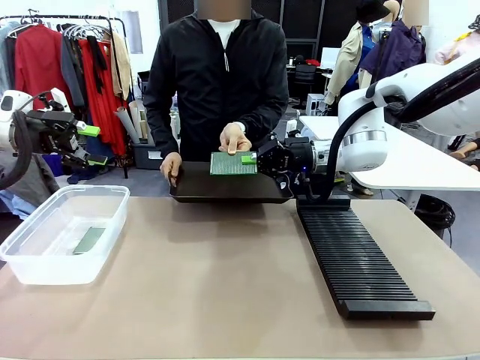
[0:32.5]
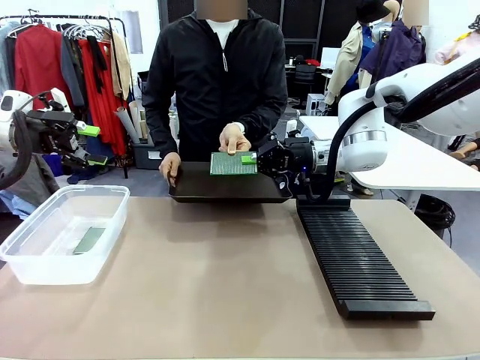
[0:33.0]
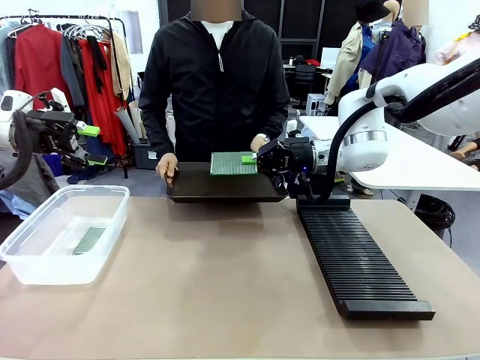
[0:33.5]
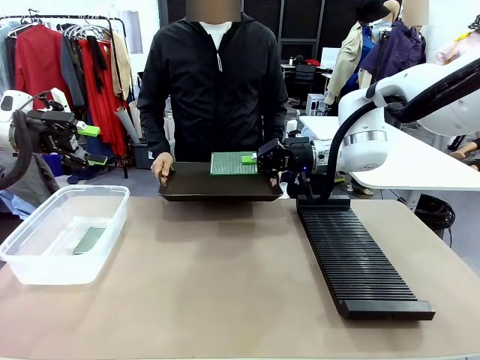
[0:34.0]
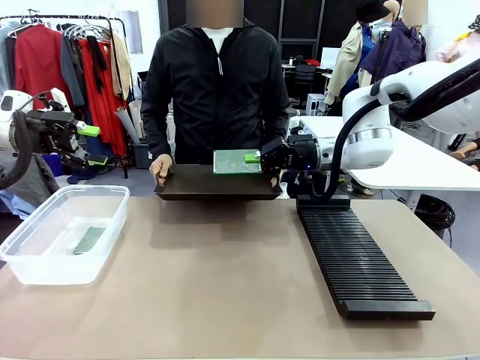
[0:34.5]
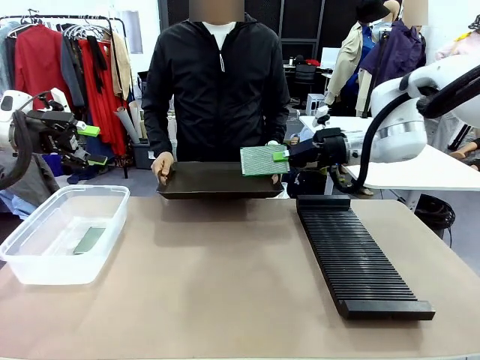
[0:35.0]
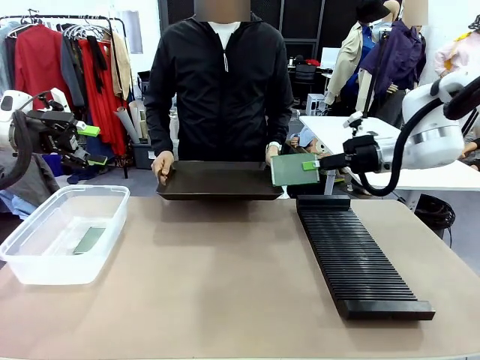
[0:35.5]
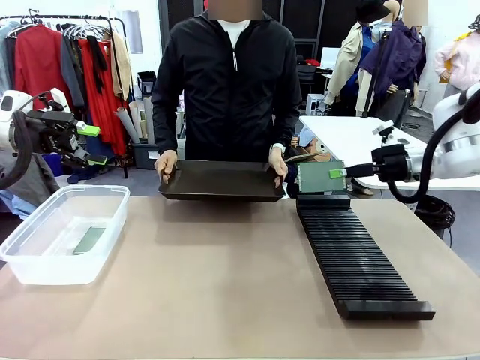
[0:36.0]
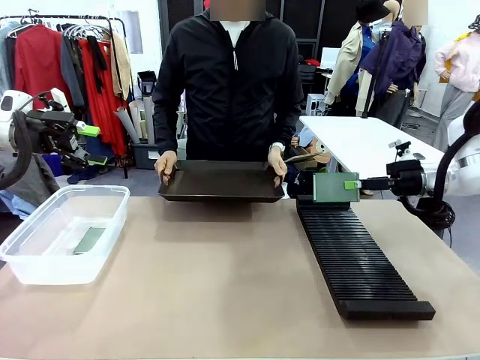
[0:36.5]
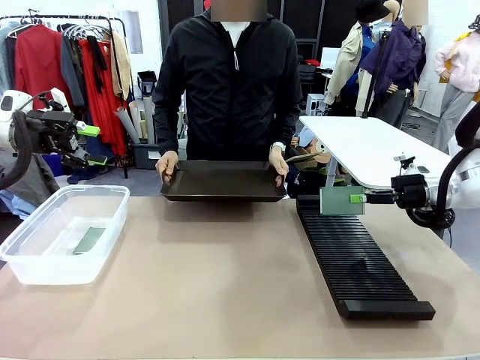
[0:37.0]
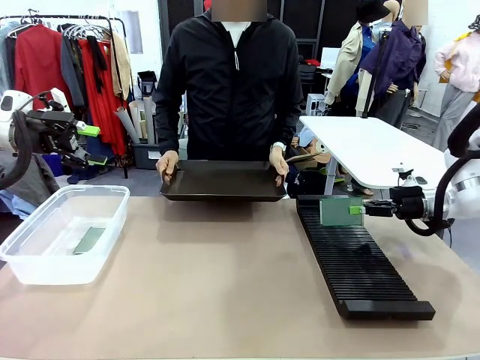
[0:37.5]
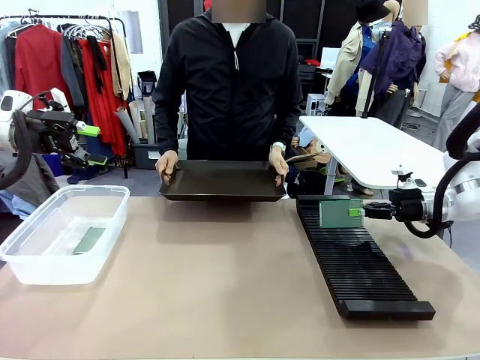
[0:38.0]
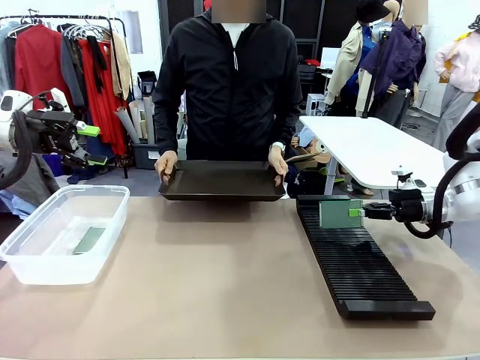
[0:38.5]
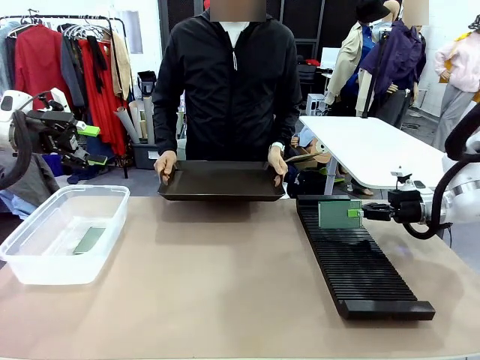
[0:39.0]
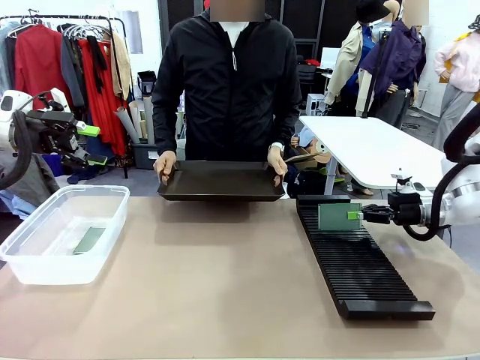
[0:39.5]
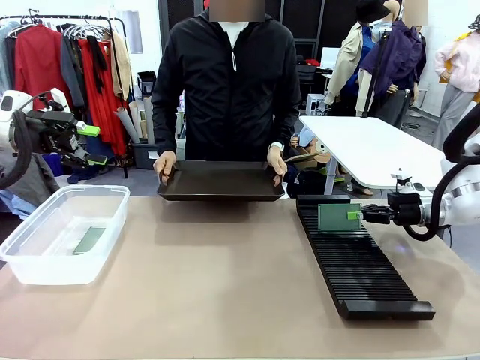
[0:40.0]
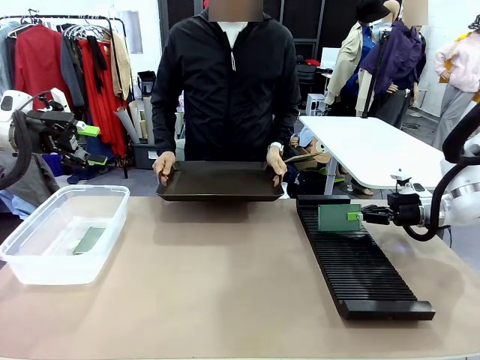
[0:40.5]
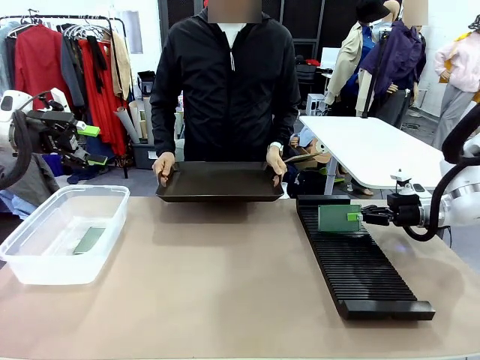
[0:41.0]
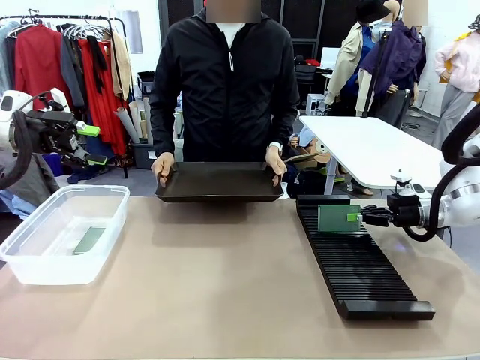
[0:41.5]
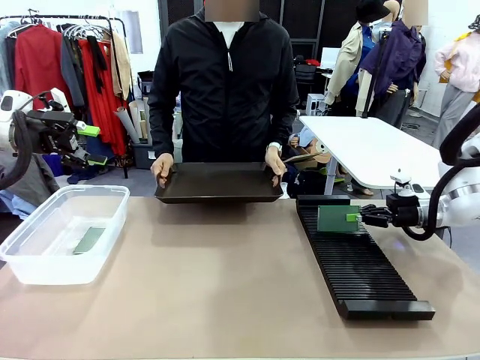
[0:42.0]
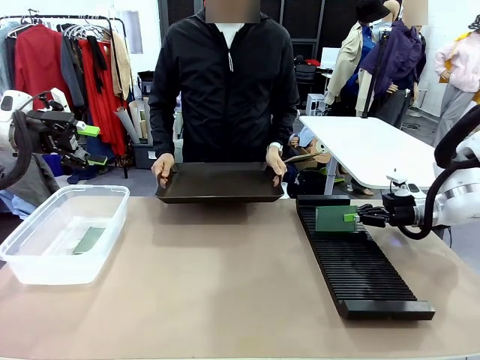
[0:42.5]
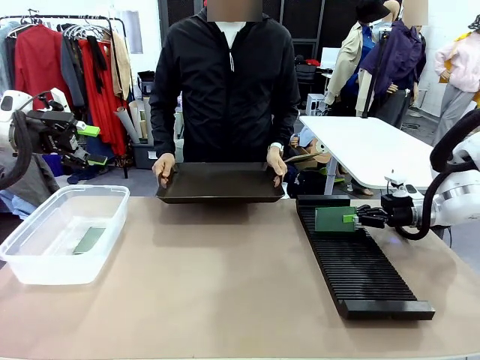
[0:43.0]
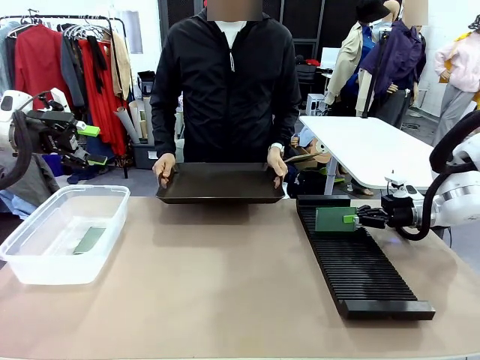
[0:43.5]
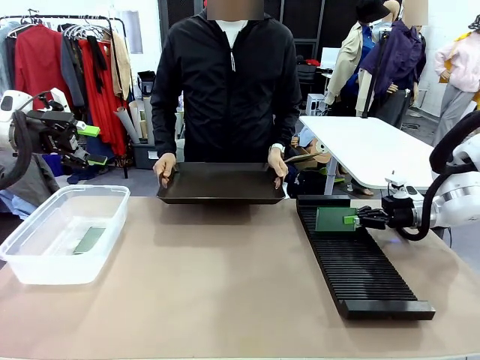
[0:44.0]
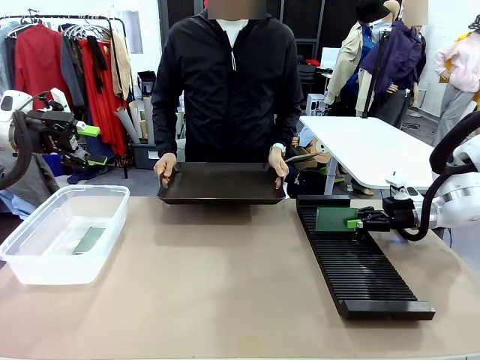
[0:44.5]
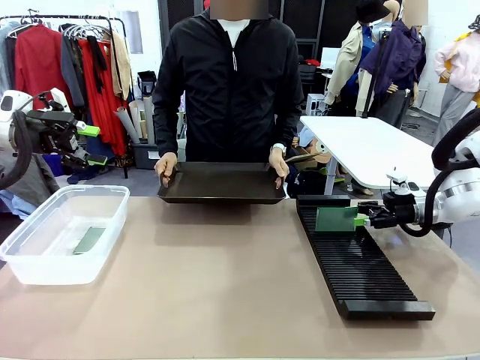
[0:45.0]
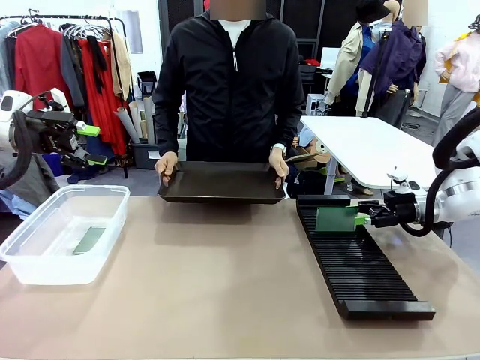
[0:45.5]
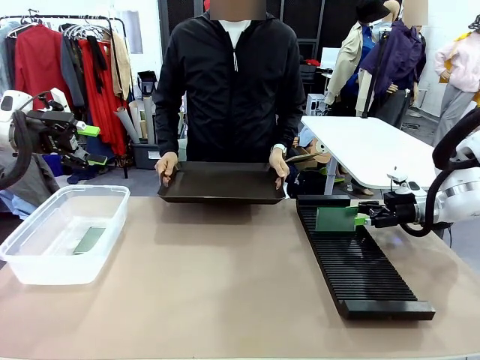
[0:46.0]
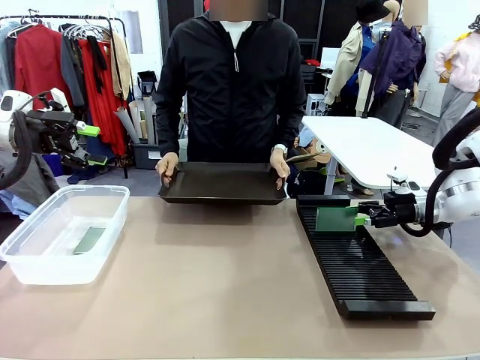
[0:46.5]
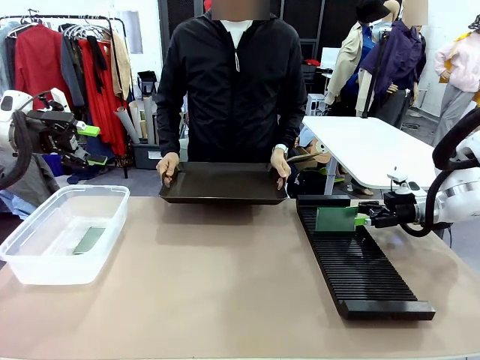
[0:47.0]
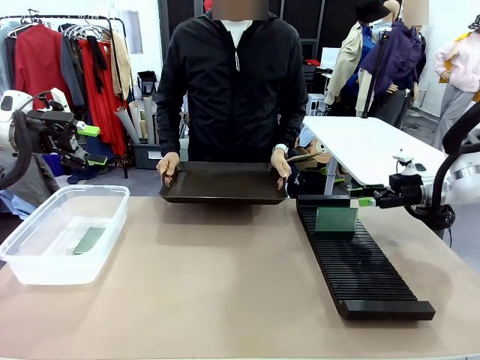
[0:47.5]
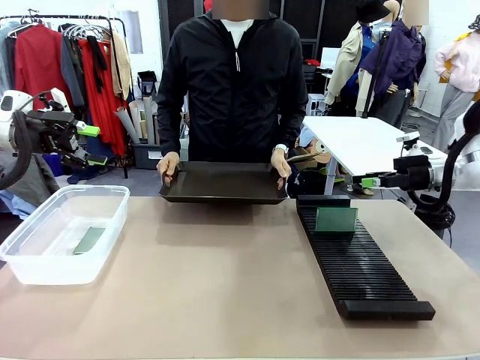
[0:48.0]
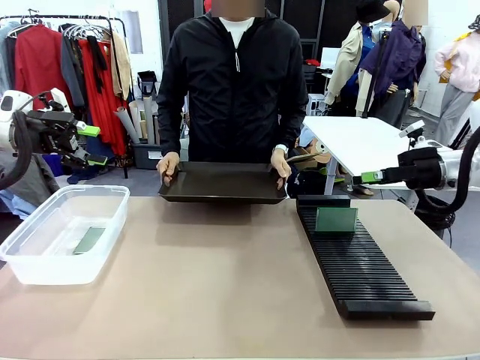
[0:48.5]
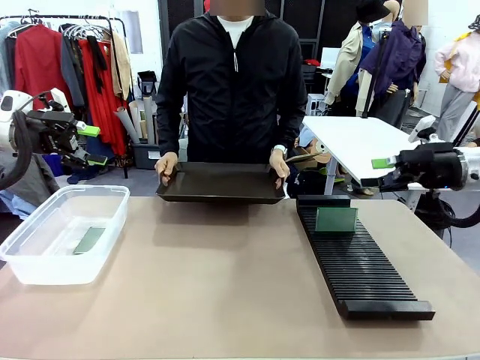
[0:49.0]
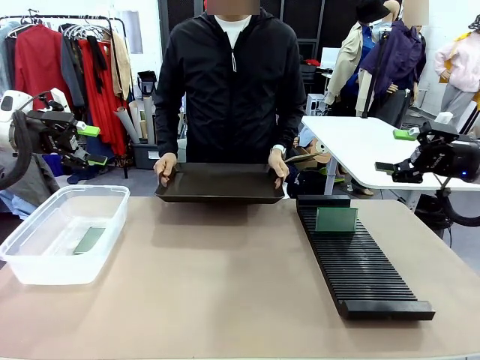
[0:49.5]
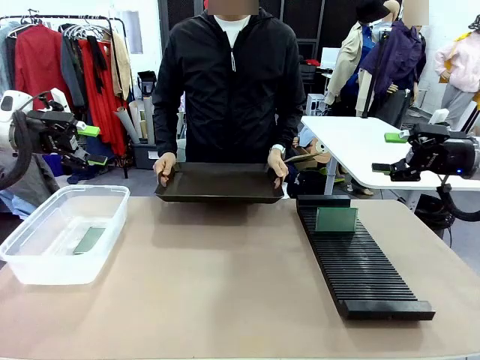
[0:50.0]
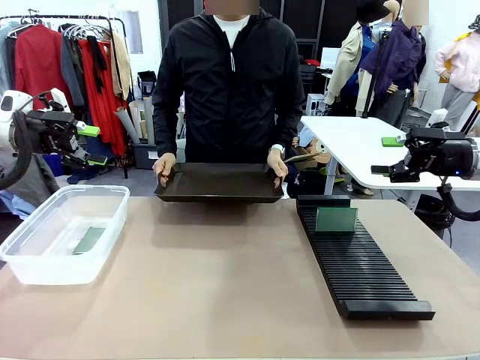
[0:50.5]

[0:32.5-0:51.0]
Task: Sort PCBs into racks and boxes based on the side picked up.
Robot: If the short side of the Blank PCB is picked up, insert it into the PCB Rack ; if the long side is picked up, place it in the Organizing box.
Person: Release the PCB being held.

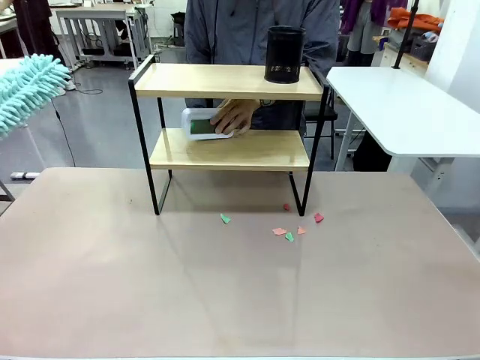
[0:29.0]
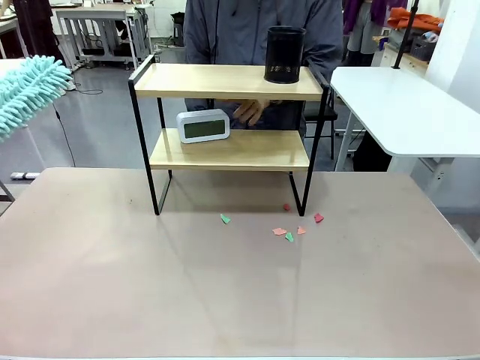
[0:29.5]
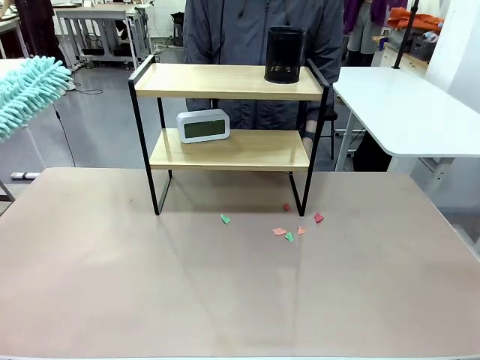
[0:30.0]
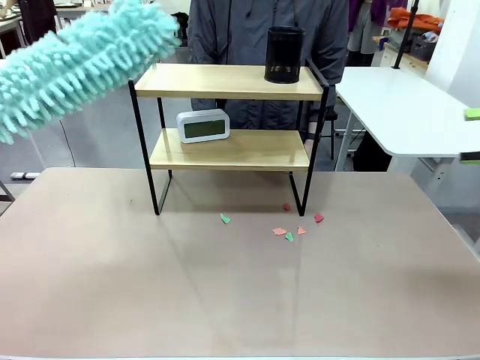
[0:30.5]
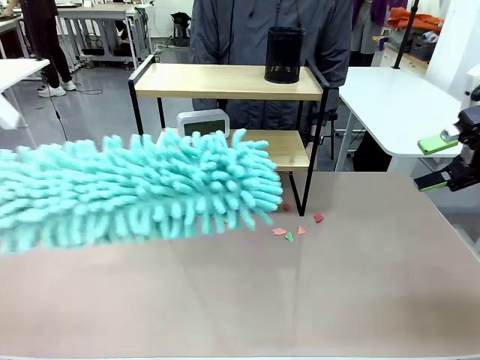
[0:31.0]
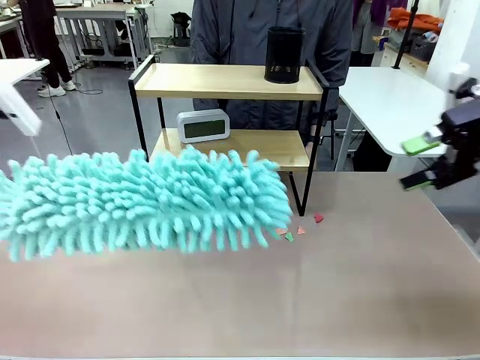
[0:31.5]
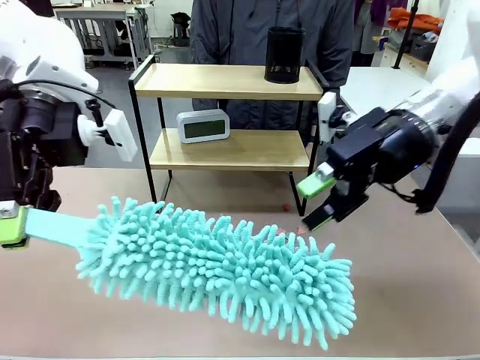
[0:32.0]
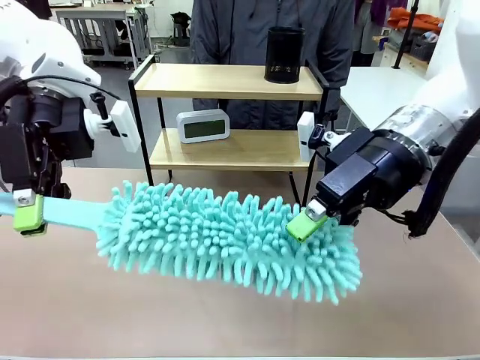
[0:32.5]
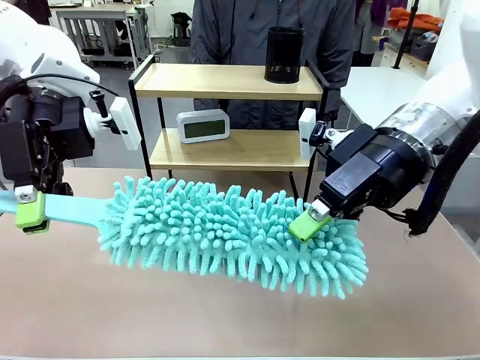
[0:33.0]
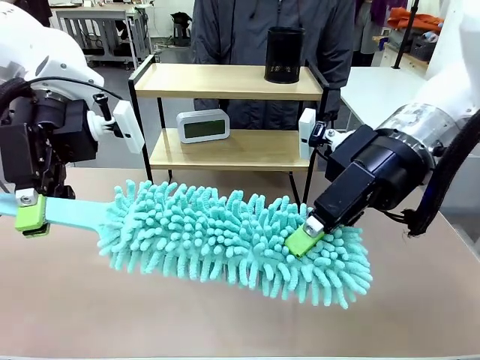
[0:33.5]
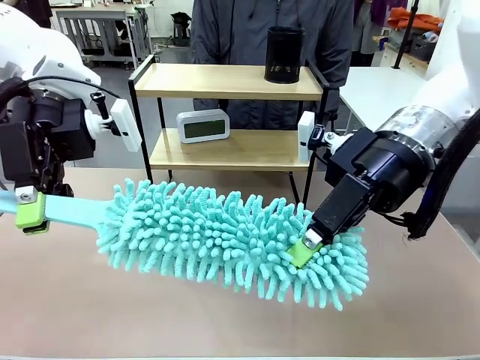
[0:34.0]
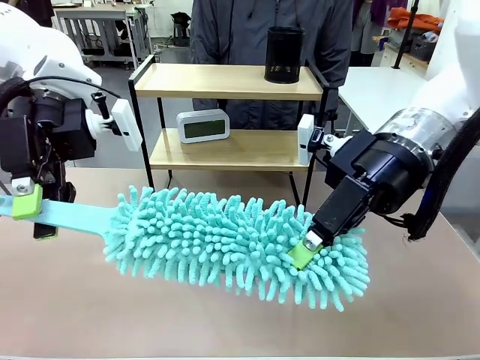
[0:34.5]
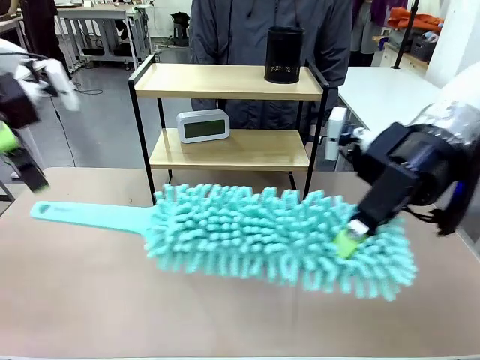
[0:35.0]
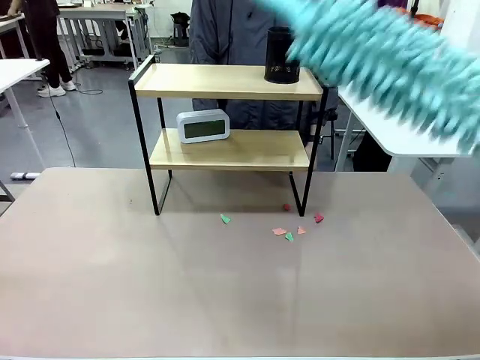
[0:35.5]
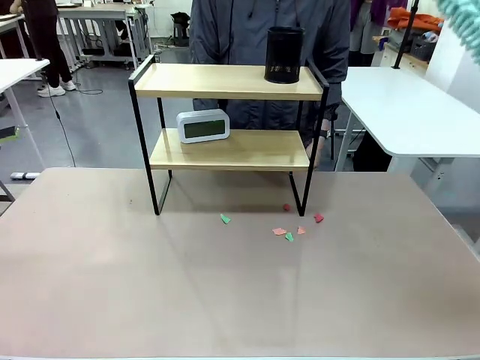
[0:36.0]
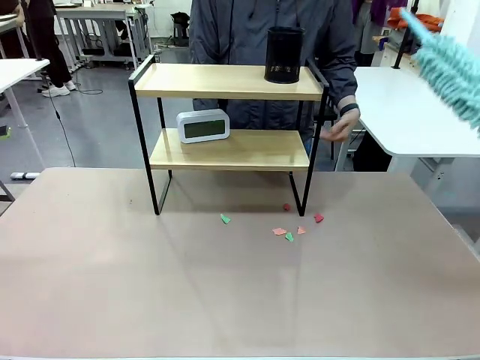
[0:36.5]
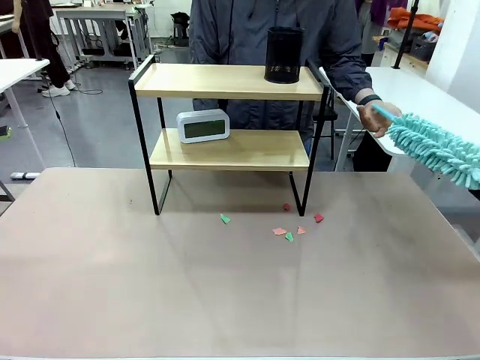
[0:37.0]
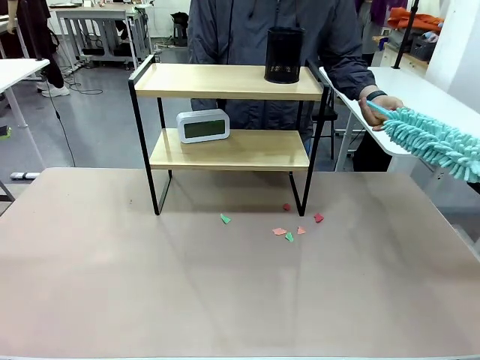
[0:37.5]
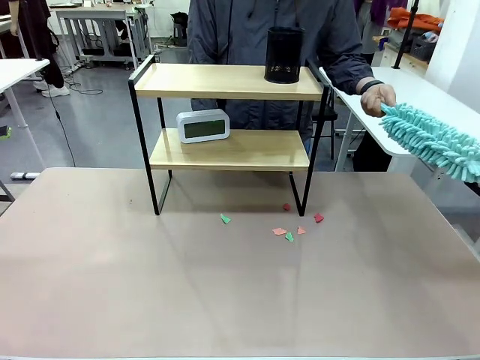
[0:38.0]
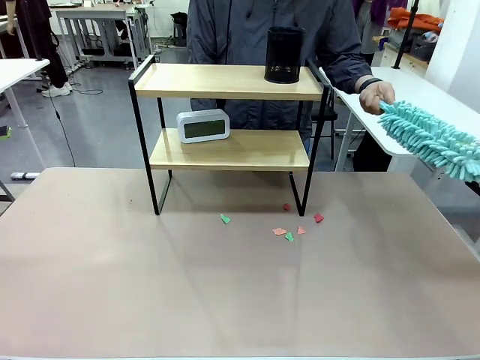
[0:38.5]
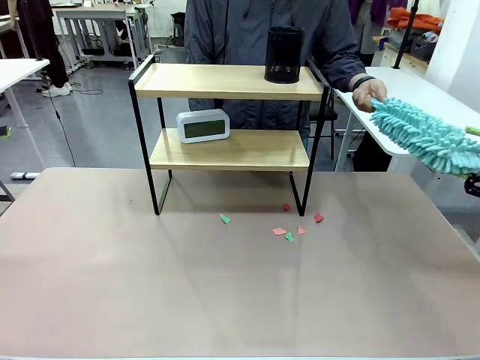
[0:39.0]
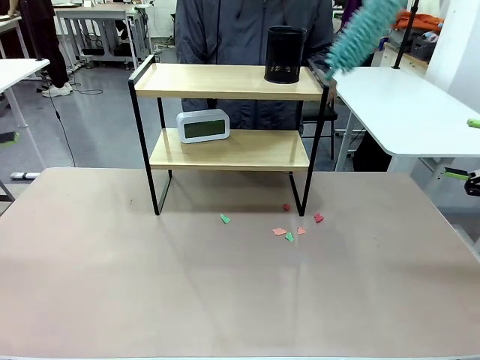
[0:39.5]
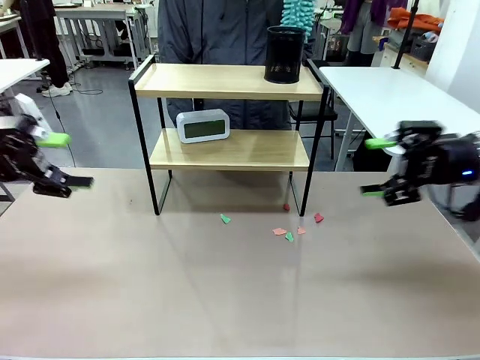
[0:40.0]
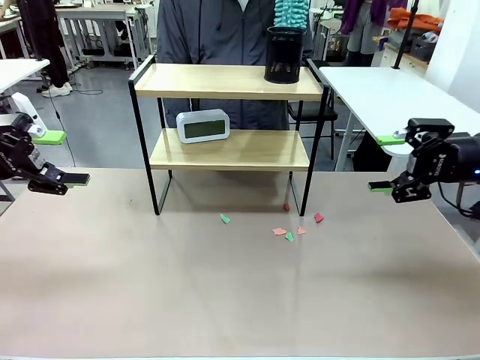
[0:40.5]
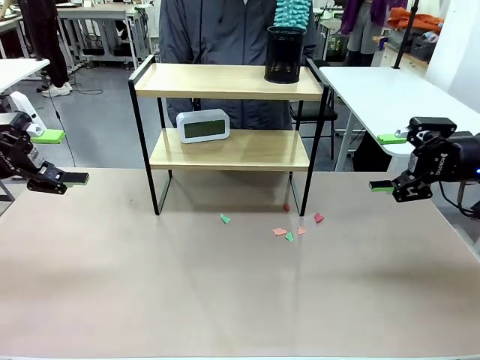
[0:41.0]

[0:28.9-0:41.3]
Task: Clean the shelf.
Robot: Hand the Duster back to the human.
Person: Receive the Duster from the robot.
